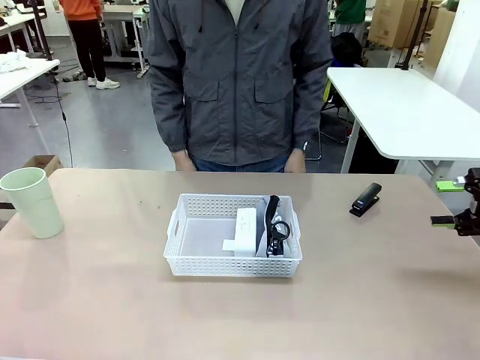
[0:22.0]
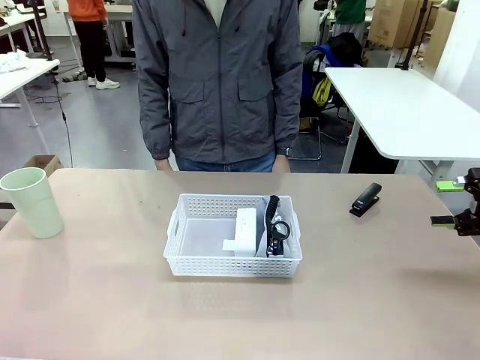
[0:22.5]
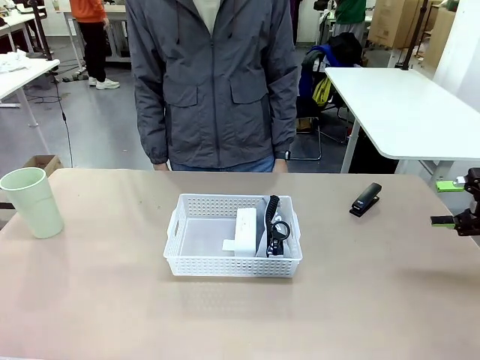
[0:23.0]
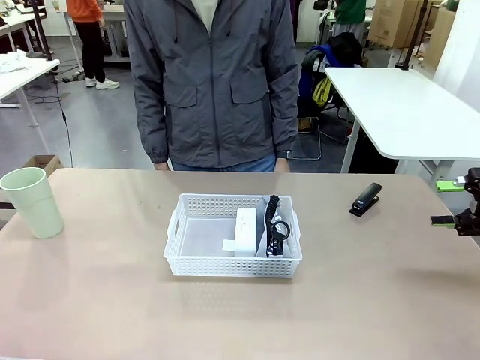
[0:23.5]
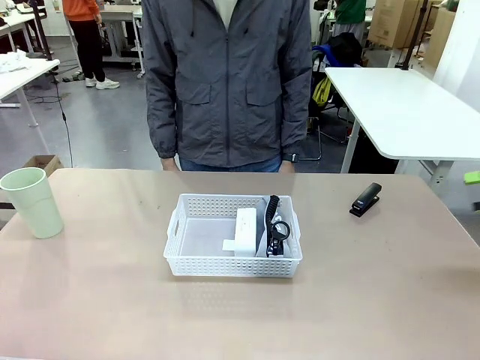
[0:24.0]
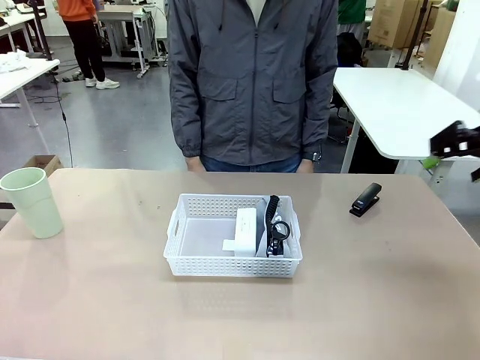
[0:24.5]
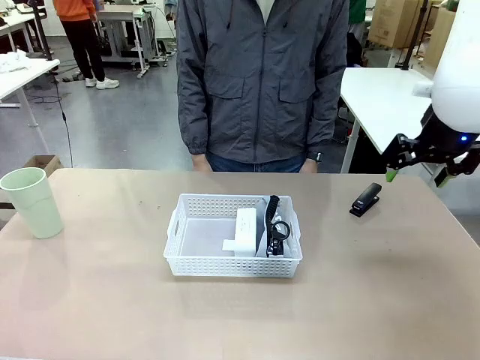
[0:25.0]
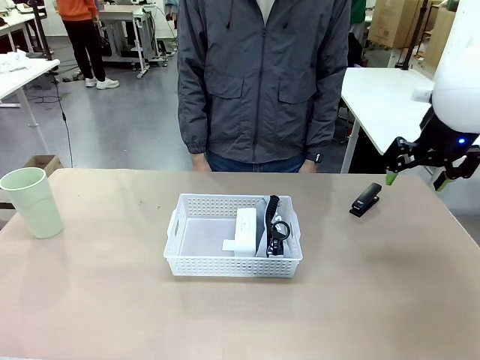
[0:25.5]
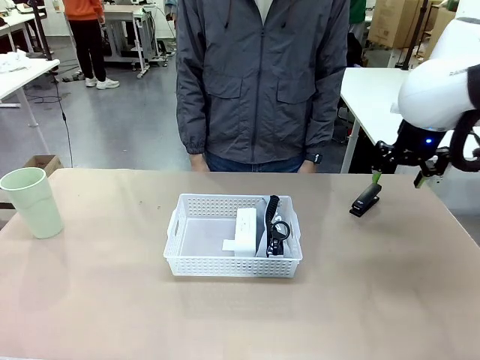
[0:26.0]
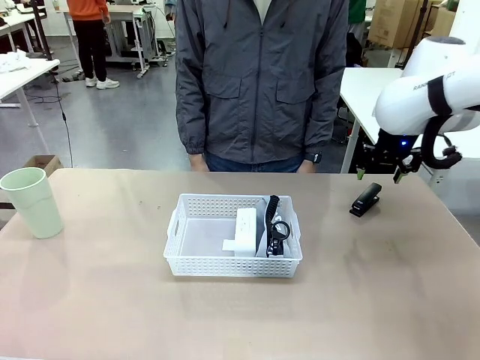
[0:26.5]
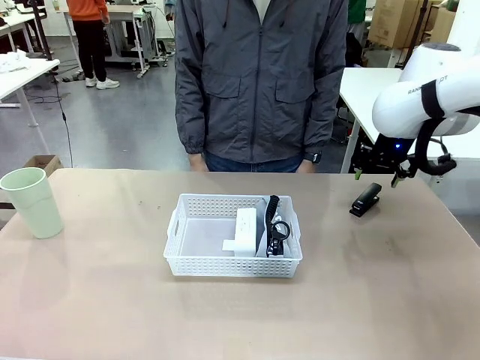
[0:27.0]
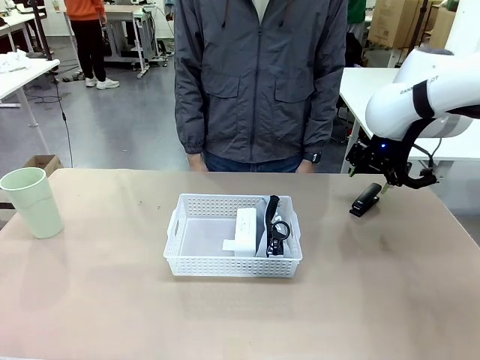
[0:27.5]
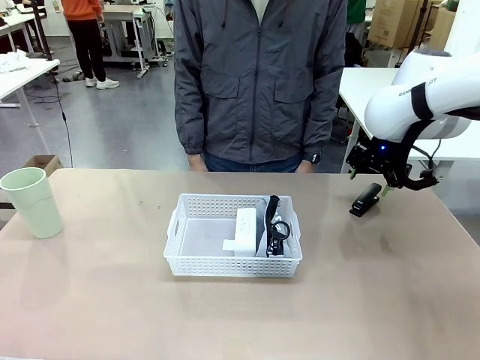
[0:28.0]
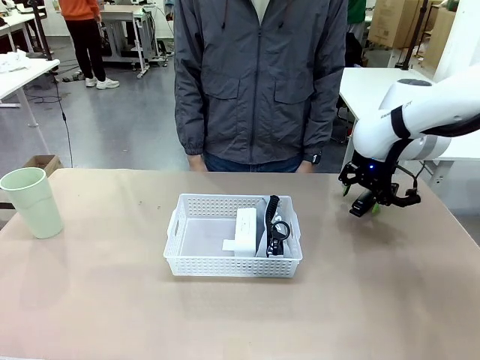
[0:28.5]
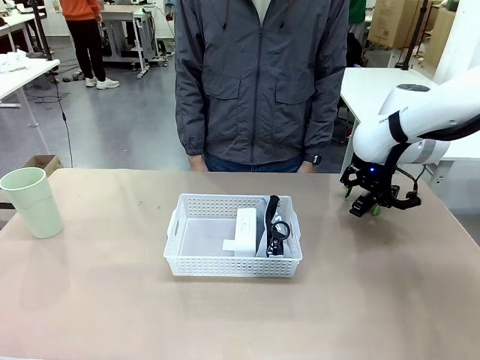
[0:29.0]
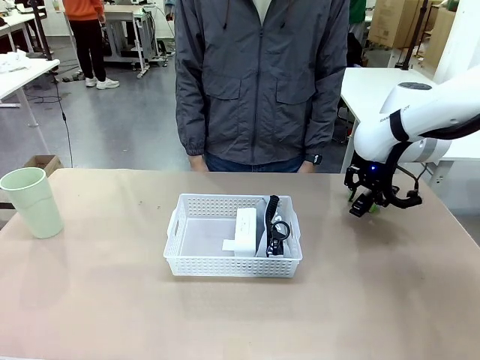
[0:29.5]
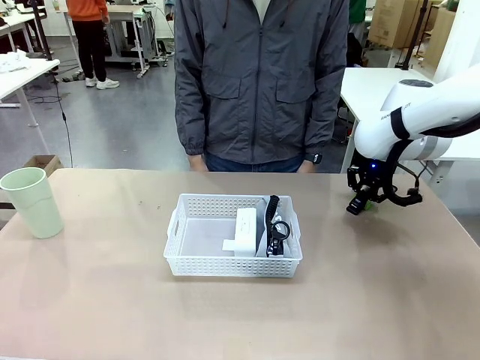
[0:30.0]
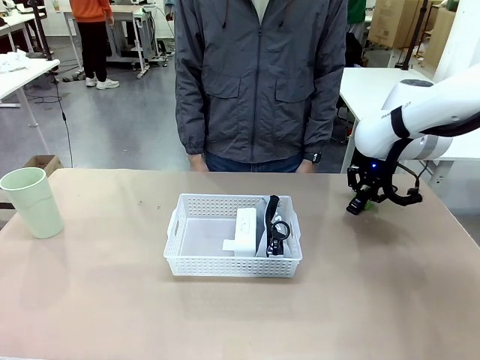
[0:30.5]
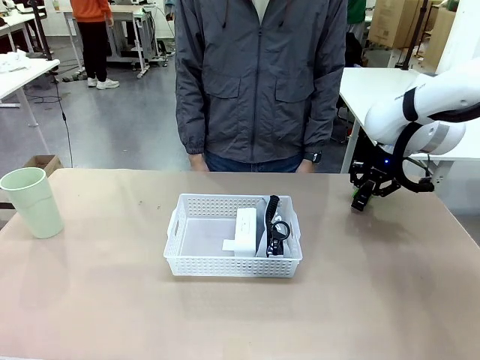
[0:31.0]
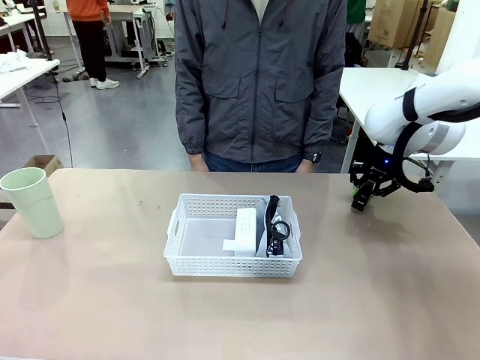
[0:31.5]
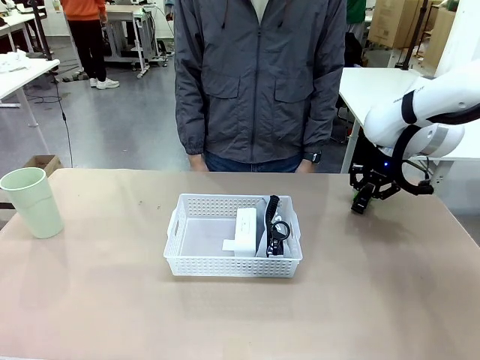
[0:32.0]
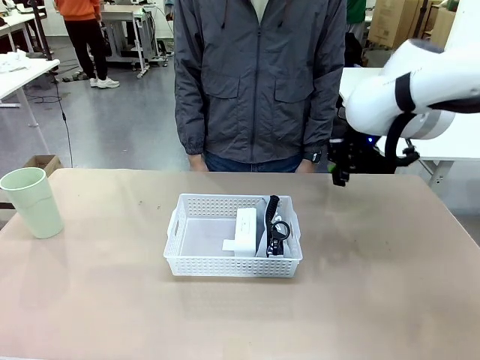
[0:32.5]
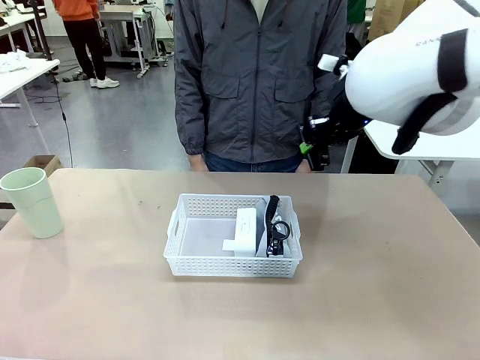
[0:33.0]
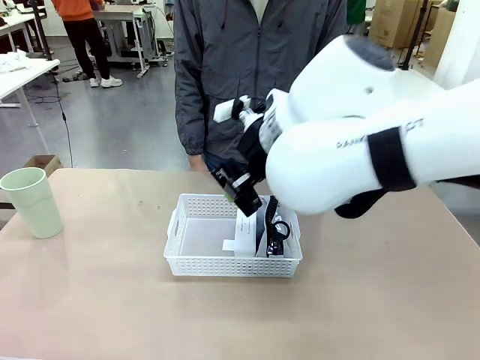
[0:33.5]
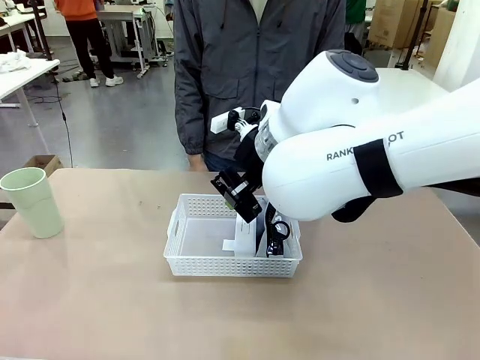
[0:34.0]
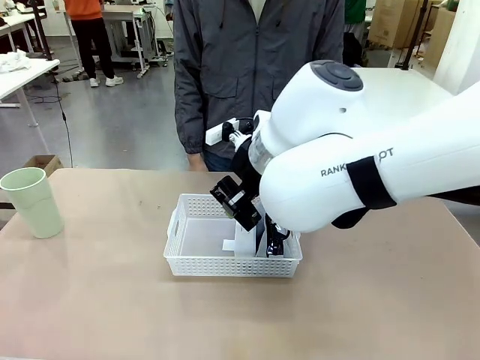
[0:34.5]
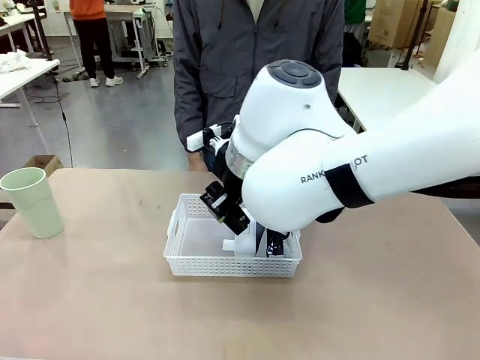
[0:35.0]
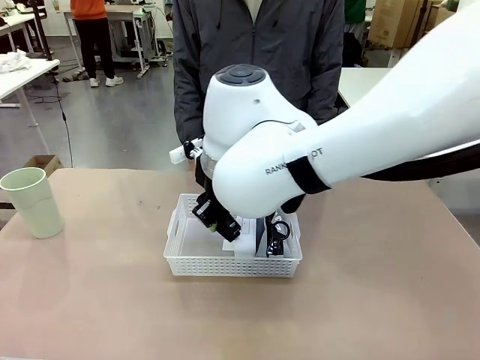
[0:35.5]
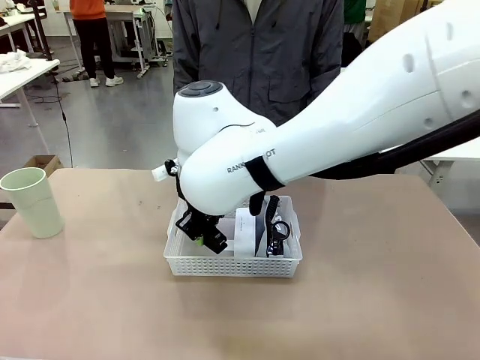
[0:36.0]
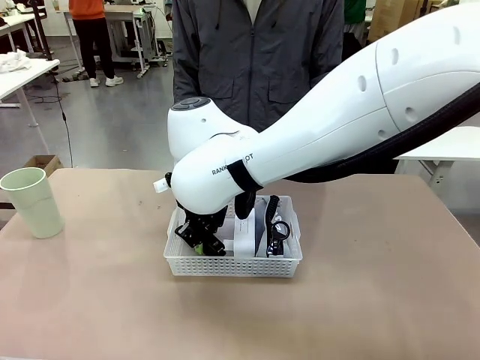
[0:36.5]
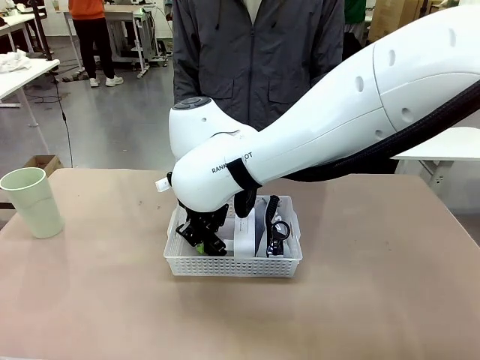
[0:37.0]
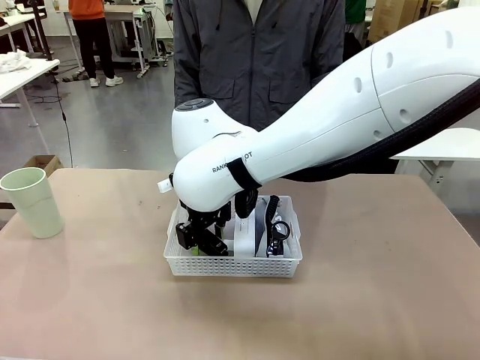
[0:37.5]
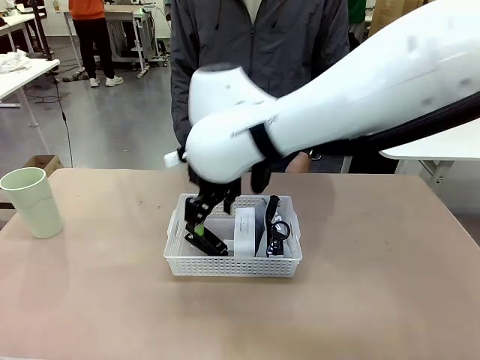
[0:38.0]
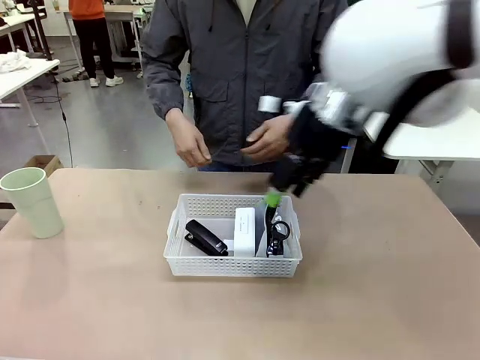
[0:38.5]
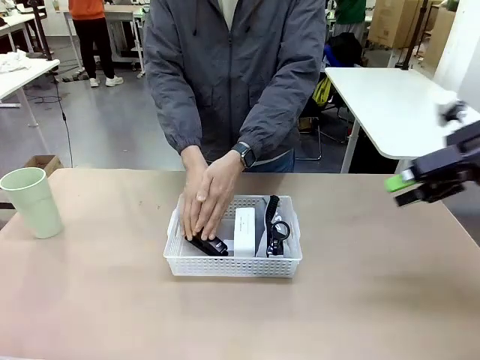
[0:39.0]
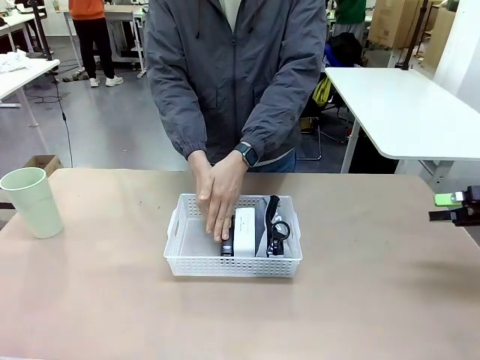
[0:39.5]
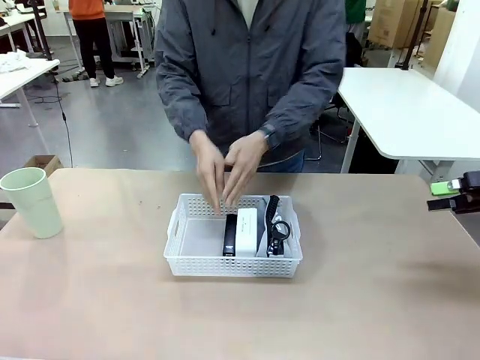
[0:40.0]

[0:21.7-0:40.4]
Task: Efficiently arrange items inside the basket to fit them all.
Robot: Pick up the Stapler and place it inside the Organizing basket.

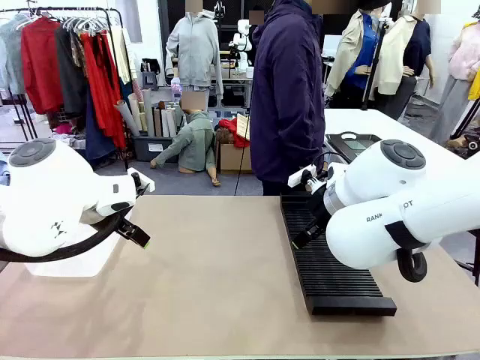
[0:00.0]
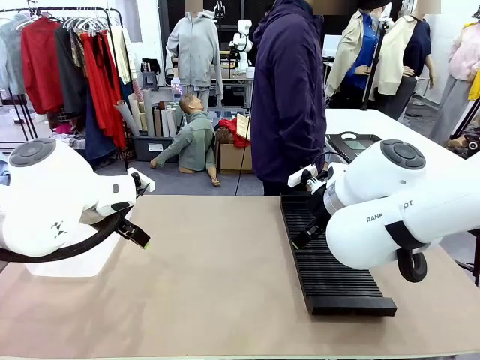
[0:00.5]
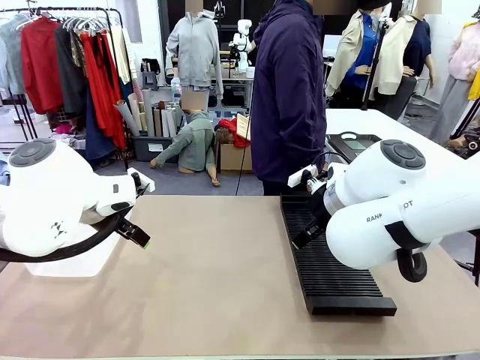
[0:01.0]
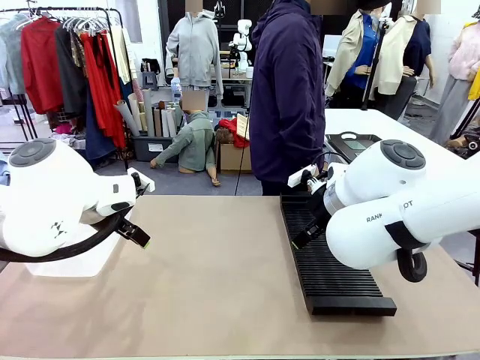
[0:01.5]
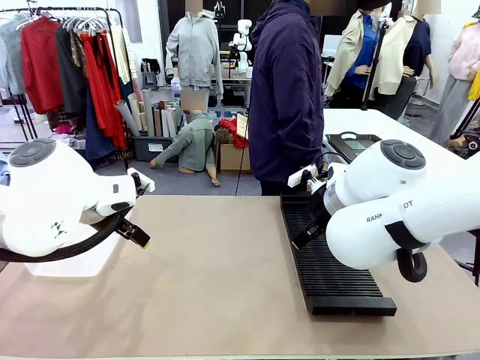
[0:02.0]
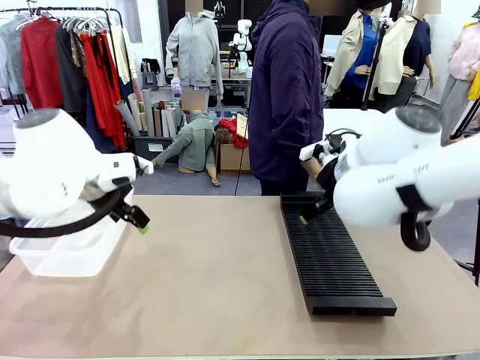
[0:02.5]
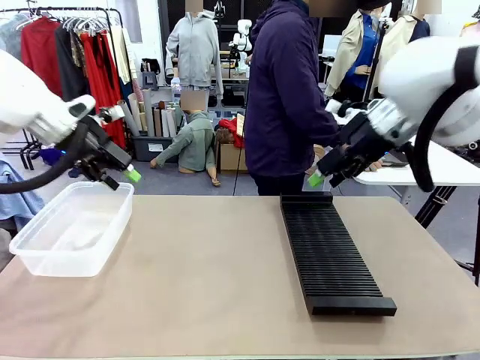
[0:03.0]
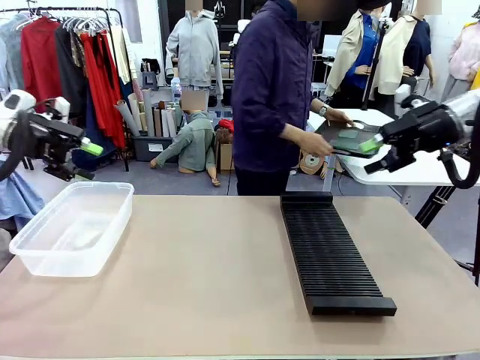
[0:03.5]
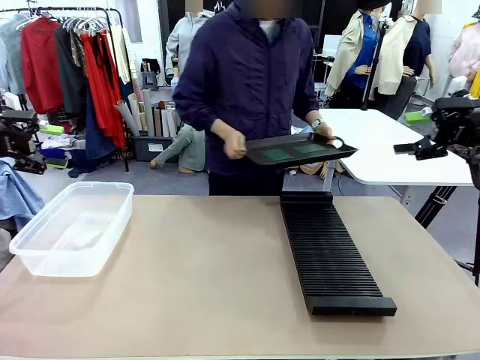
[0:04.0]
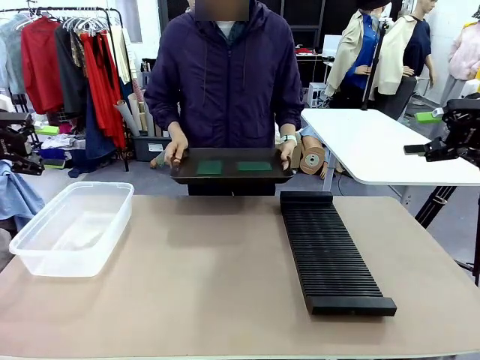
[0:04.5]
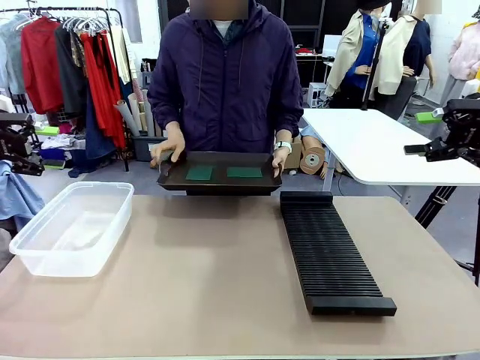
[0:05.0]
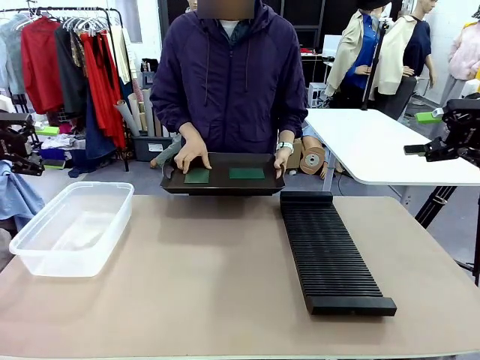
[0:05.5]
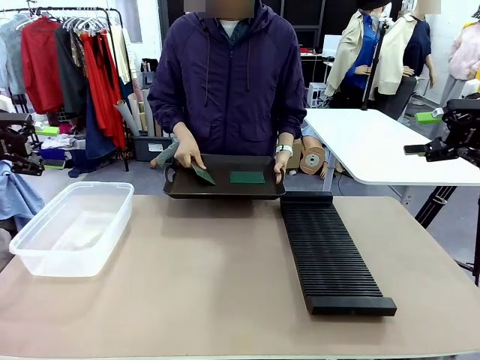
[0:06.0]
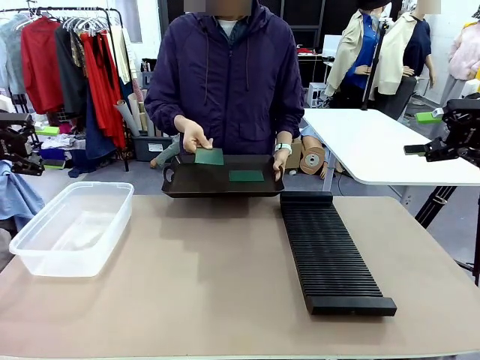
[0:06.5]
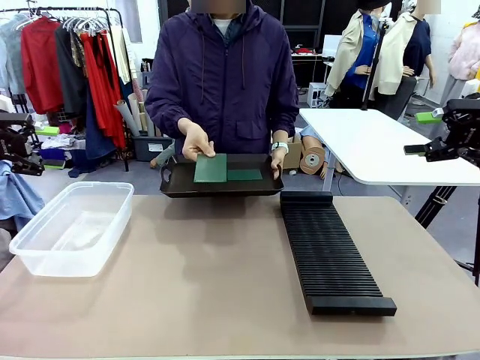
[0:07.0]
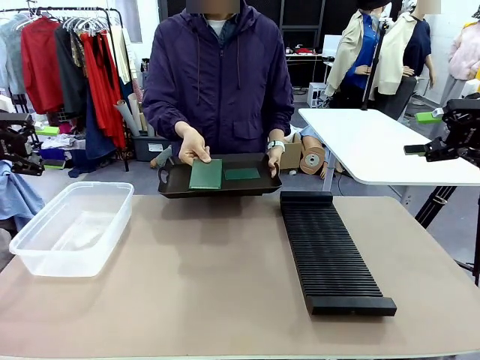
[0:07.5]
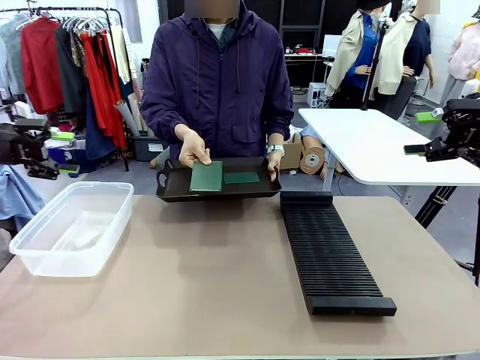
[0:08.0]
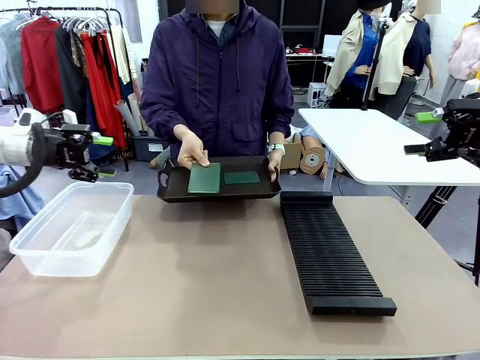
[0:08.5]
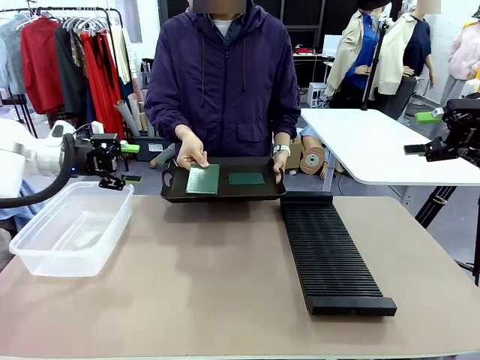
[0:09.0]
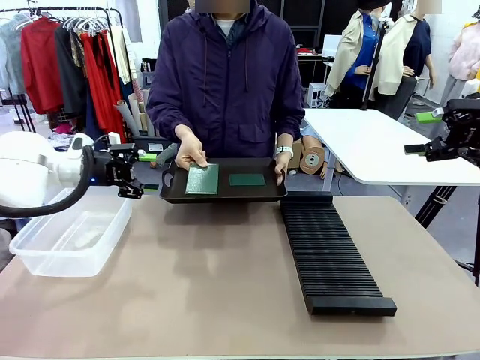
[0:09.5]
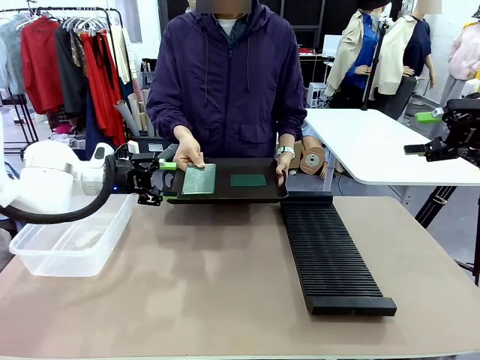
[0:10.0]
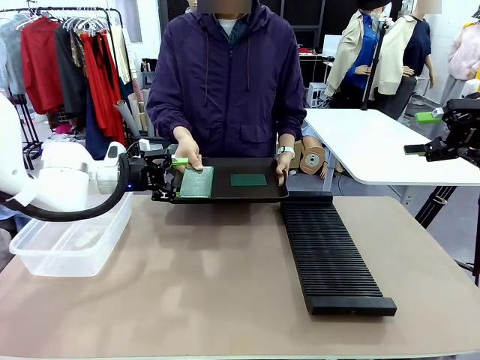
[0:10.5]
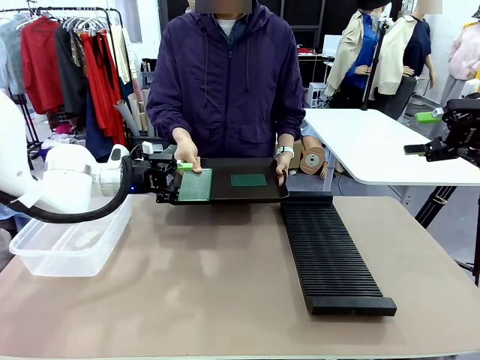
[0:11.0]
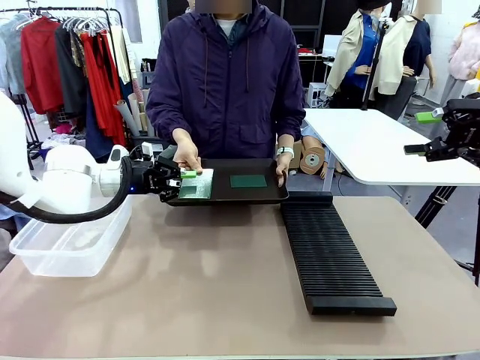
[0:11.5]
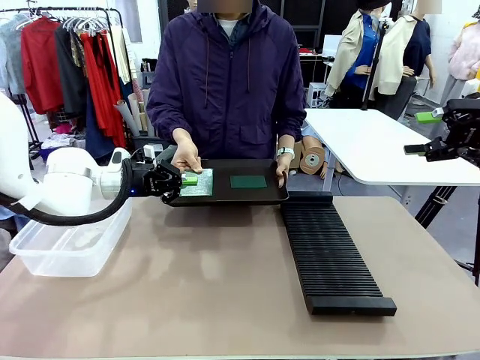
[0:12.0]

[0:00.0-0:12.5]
Task: Sort PCBs into racks and boxes based on the side picked up.
Robot: Pick up the Blank PCB handed by the Human.
Person: Pick one PCB from the tray and present it to the robot. Release the PCB being held.
